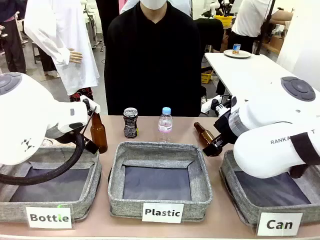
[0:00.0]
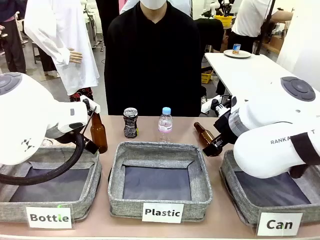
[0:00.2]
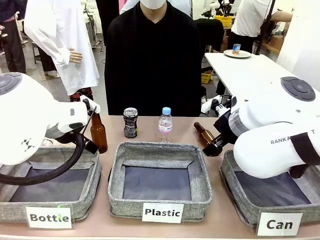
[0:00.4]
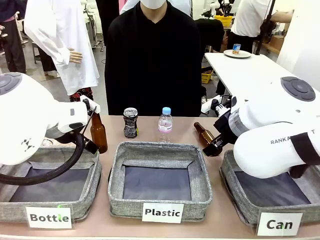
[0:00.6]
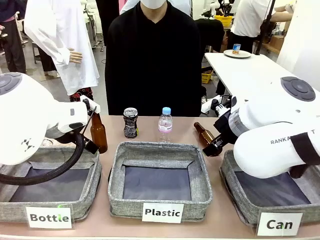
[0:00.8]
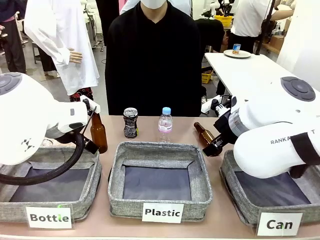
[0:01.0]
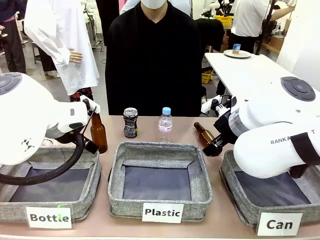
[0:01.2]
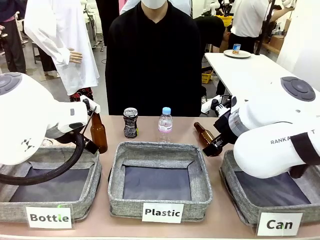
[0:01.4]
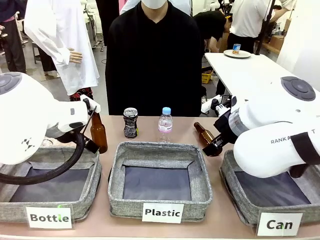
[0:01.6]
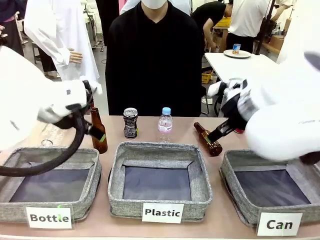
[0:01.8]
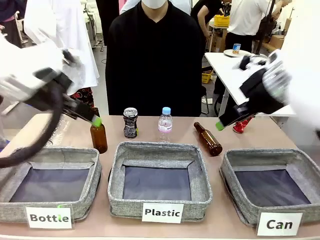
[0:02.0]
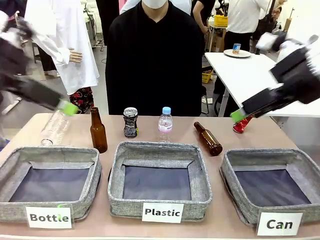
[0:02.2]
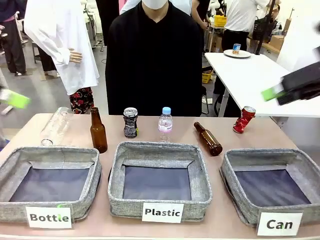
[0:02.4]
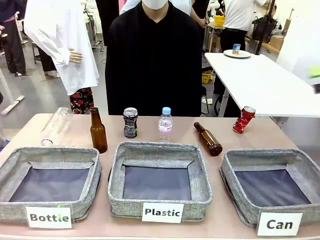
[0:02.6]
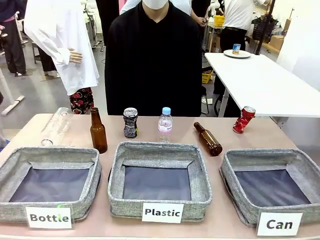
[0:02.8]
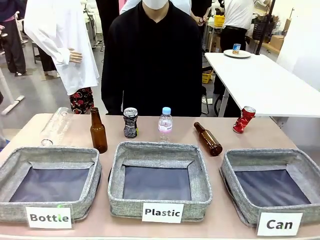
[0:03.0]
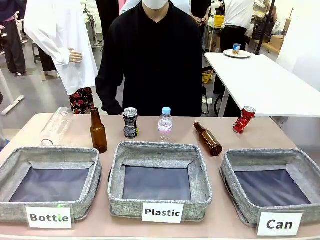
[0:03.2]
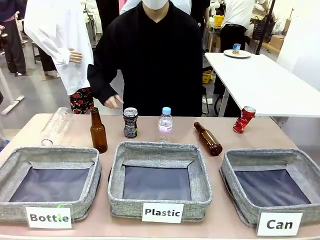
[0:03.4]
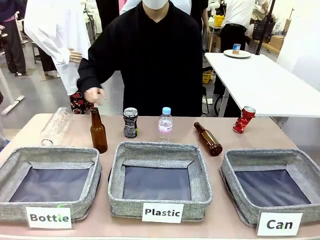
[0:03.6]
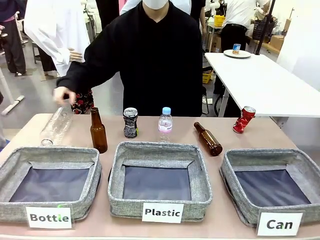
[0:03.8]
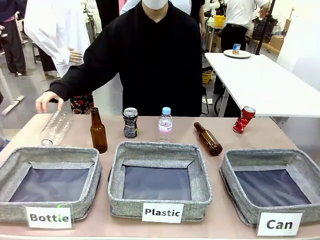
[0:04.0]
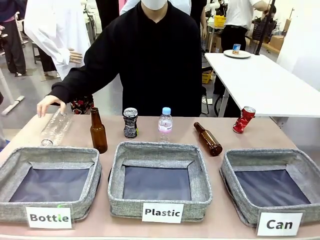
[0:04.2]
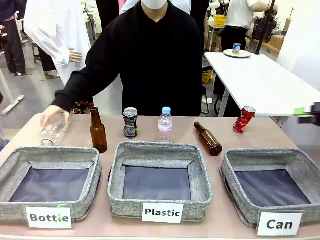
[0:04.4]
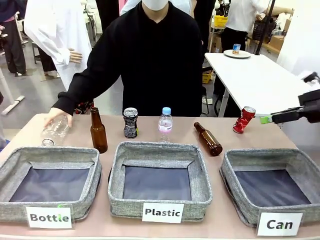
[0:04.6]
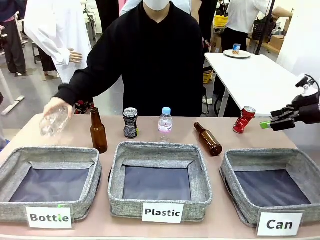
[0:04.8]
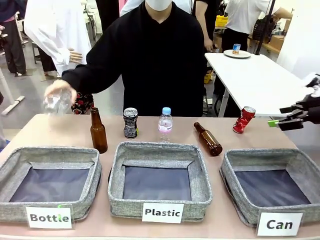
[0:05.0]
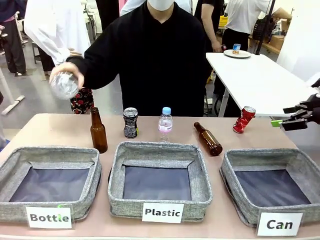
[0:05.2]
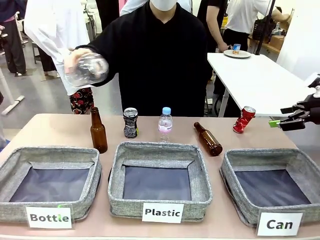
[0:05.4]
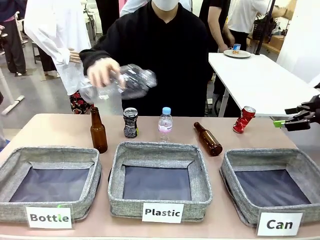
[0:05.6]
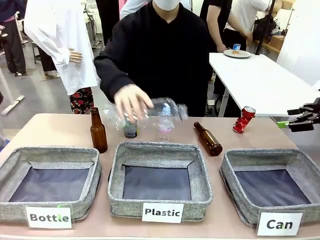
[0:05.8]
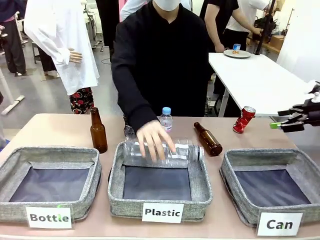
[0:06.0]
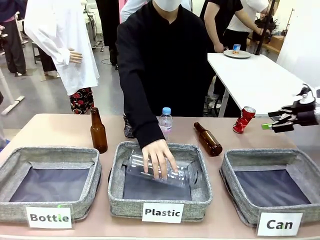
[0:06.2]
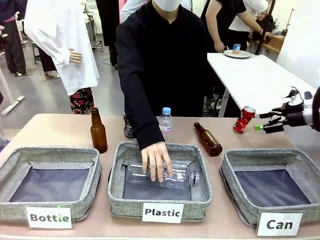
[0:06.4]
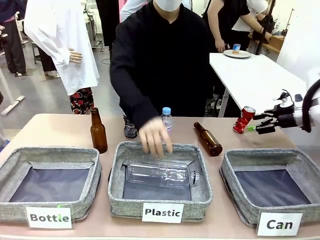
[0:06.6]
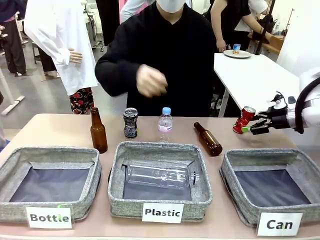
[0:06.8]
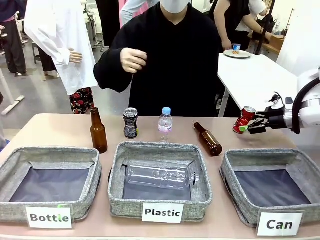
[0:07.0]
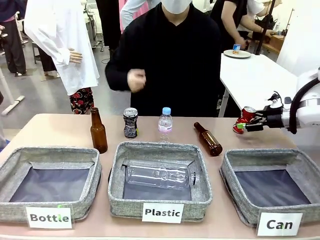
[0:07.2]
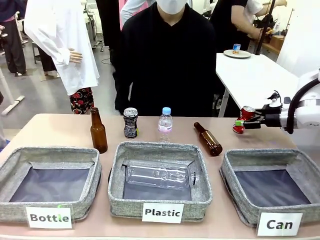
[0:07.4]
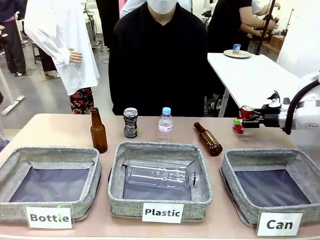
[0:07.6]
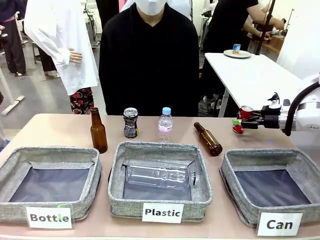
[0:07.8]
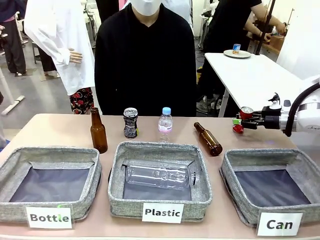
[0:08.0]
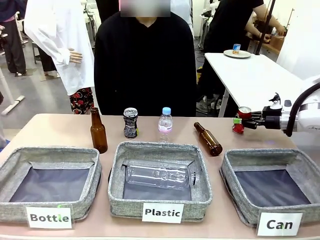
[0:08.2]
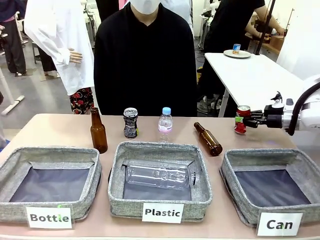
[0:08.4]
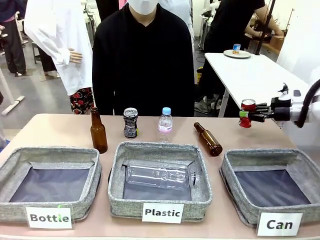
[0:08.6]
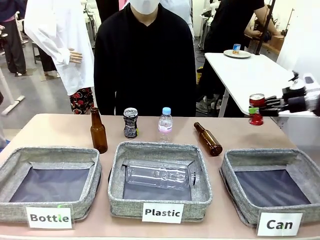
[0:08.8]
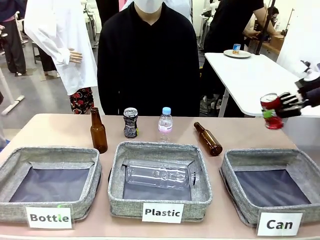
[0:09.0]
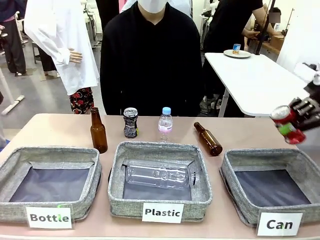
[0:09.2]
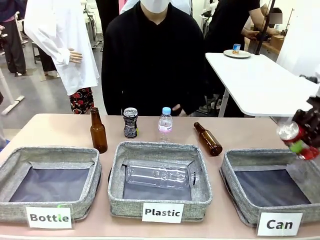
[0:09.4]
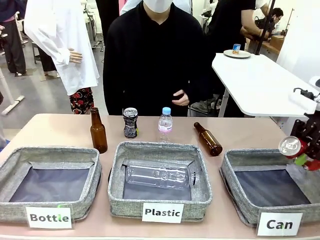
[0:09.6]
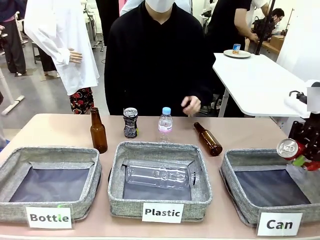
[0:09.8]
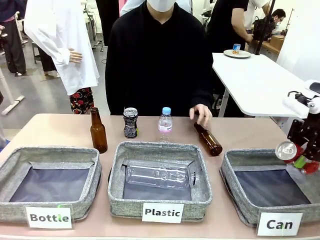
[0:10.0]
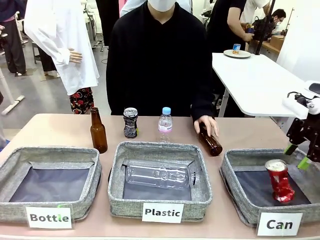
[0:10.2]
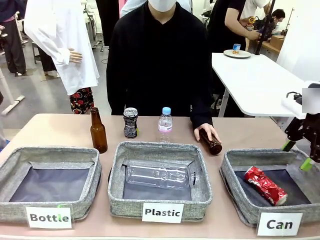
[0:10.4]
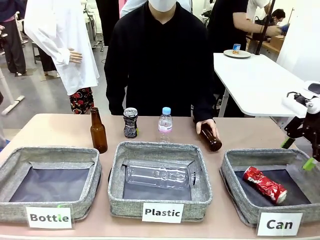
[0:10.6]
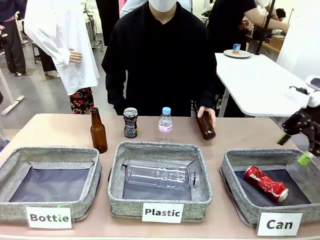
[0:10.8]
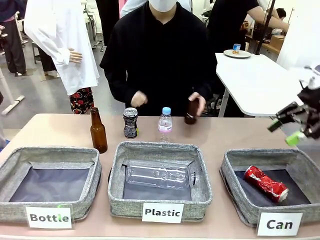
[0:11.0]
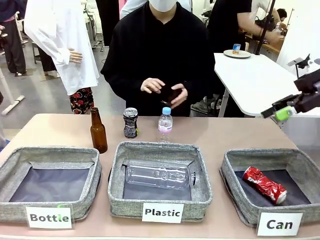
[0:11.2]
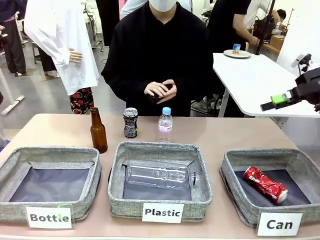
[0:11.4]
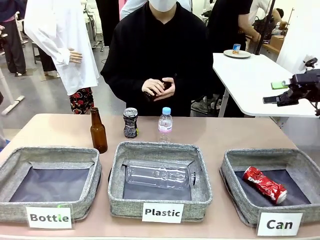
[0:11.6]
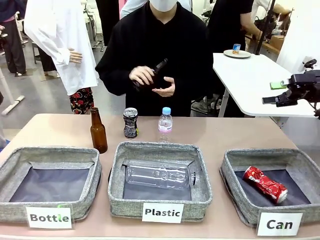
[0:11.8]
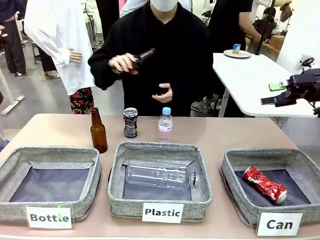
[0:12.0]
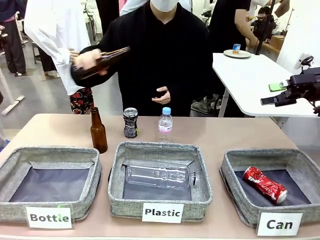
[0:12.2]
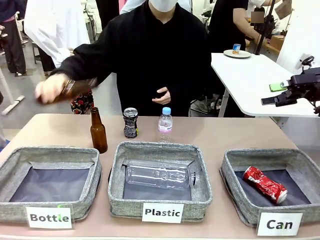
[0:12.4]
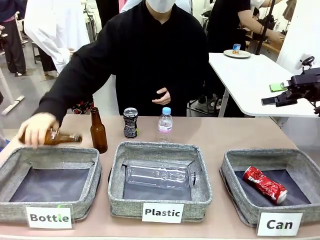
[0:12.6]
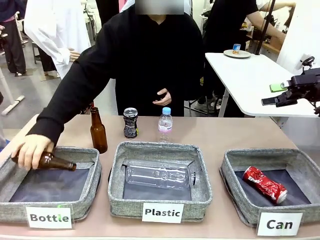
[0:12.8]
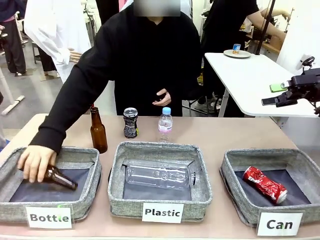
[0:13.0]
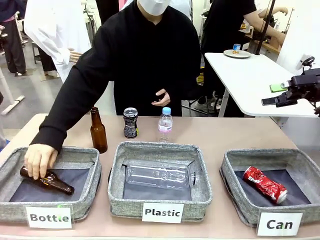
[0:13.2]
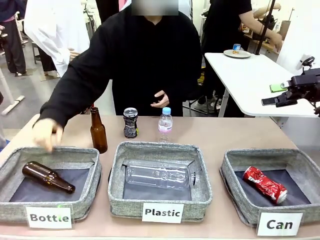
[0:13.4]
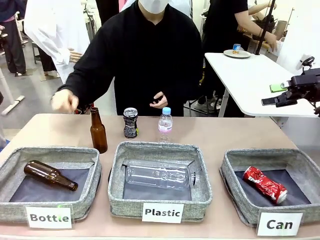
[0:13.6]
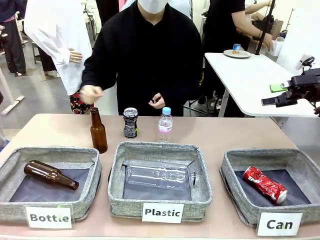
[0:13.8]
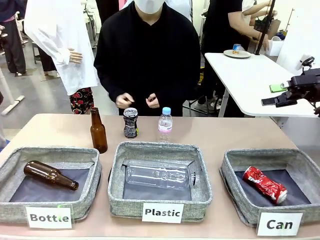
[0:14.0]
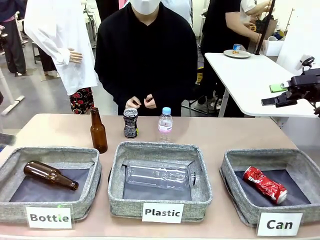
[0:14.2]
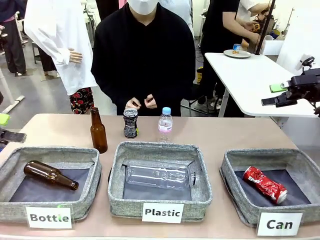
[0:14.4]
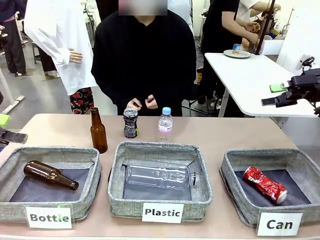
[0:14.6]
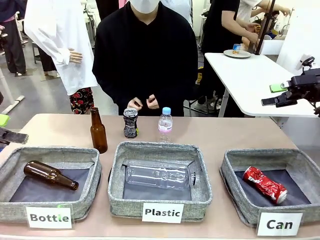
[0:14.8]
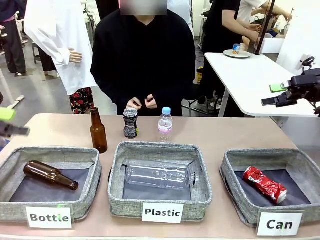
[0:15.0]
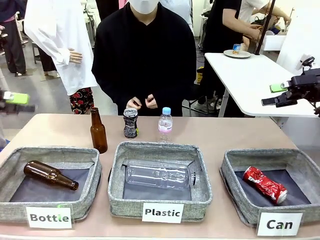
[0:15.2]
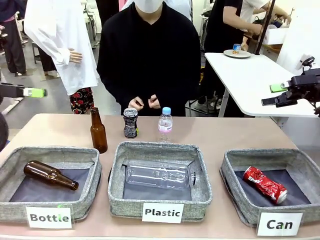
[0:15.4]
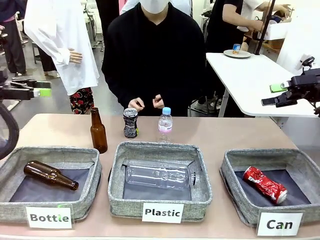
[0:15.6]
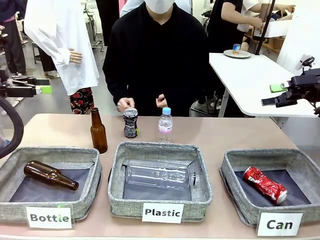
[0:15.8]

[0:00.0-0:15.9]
Task: Sort the can waste into the basket.
Robot: Pick up the can waste from the table and place it in the right Fabric basket.
